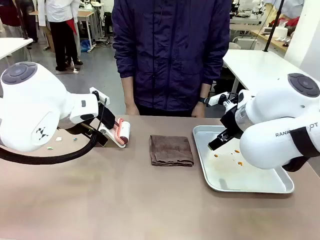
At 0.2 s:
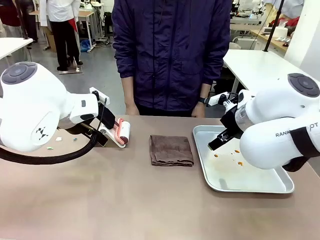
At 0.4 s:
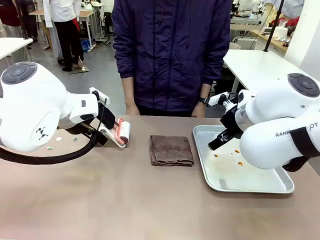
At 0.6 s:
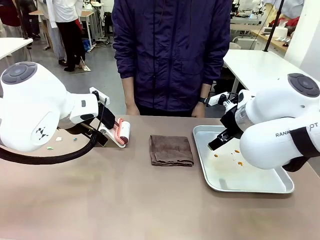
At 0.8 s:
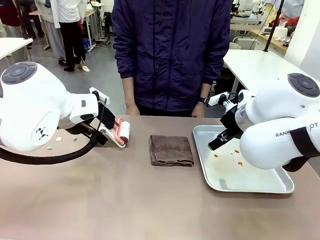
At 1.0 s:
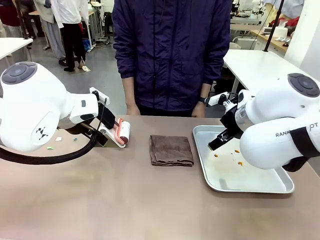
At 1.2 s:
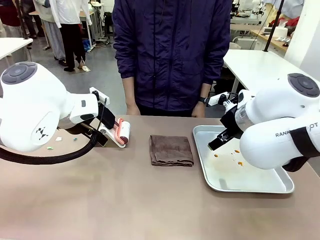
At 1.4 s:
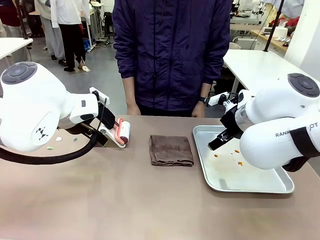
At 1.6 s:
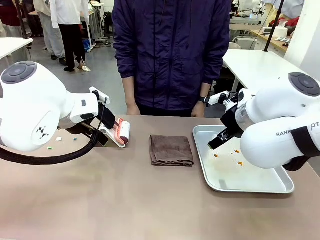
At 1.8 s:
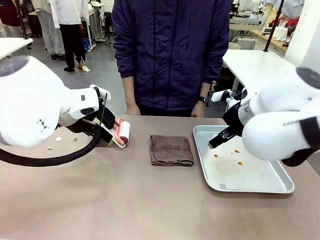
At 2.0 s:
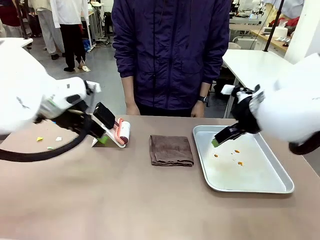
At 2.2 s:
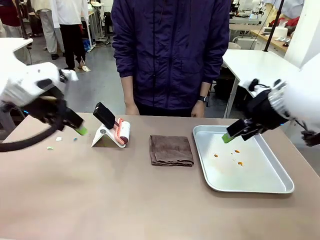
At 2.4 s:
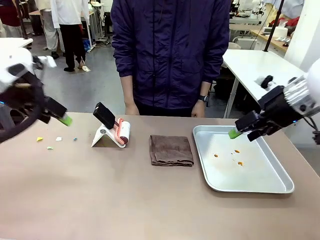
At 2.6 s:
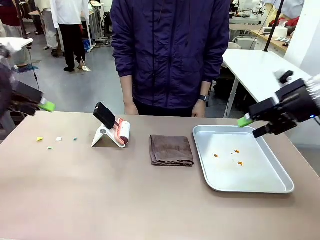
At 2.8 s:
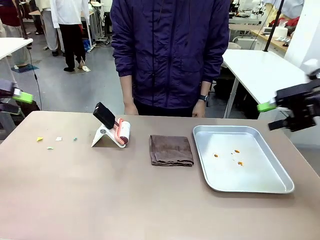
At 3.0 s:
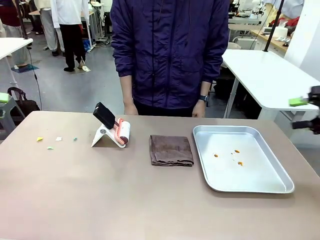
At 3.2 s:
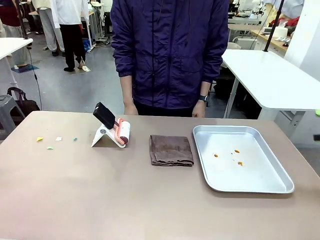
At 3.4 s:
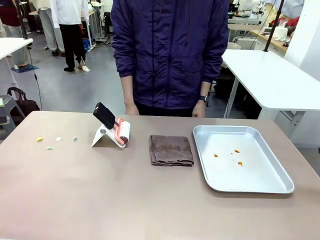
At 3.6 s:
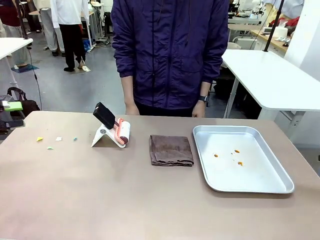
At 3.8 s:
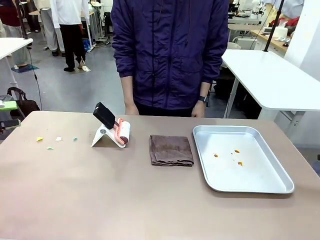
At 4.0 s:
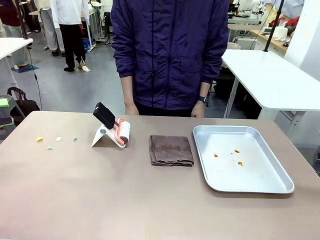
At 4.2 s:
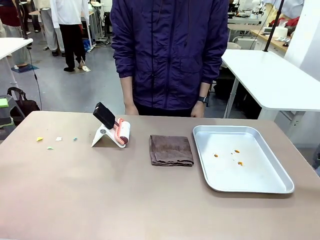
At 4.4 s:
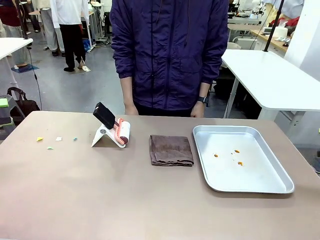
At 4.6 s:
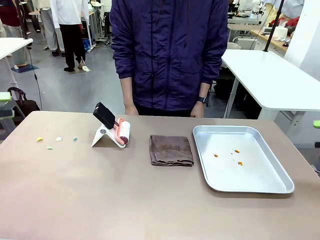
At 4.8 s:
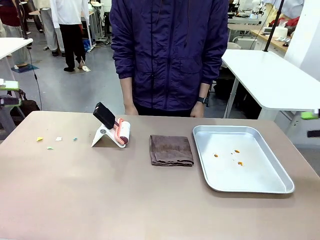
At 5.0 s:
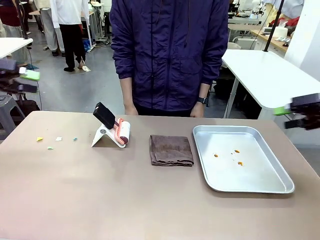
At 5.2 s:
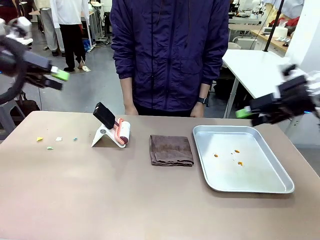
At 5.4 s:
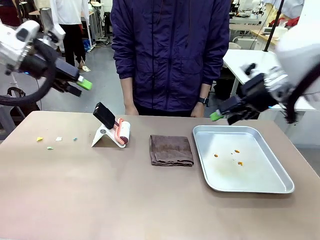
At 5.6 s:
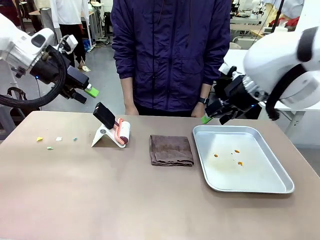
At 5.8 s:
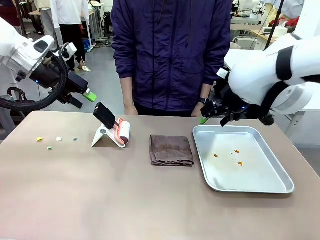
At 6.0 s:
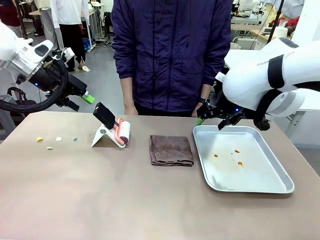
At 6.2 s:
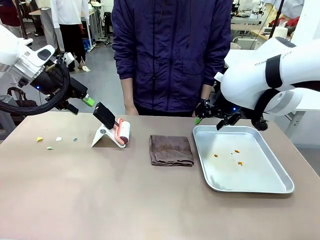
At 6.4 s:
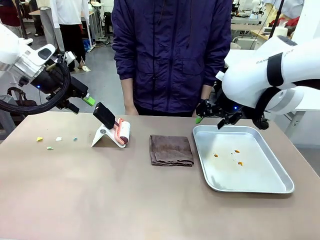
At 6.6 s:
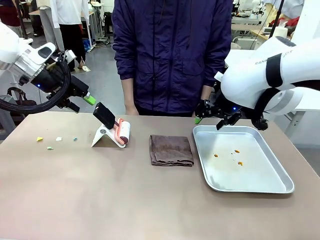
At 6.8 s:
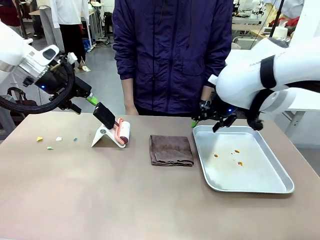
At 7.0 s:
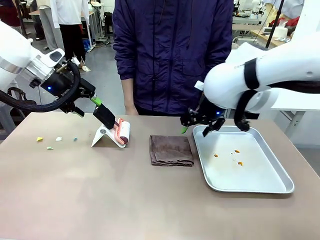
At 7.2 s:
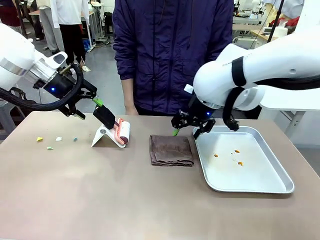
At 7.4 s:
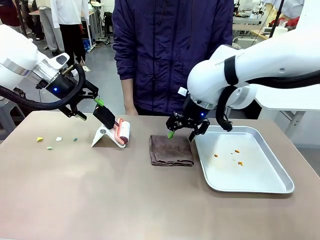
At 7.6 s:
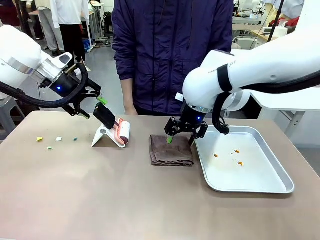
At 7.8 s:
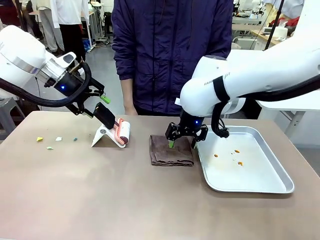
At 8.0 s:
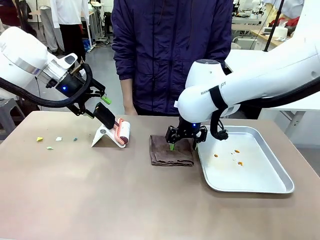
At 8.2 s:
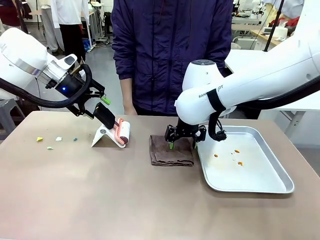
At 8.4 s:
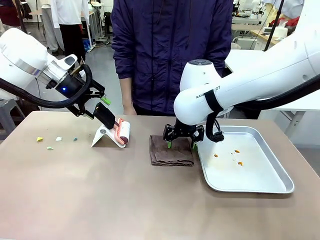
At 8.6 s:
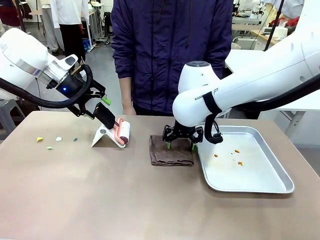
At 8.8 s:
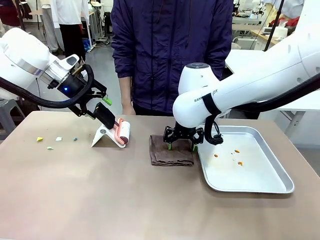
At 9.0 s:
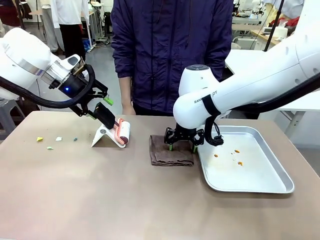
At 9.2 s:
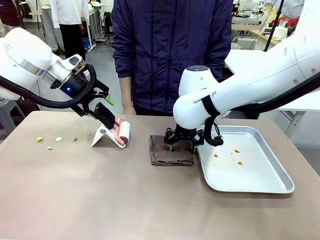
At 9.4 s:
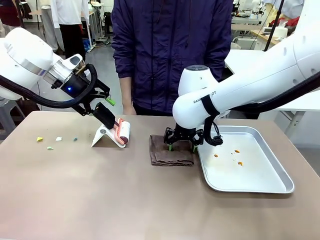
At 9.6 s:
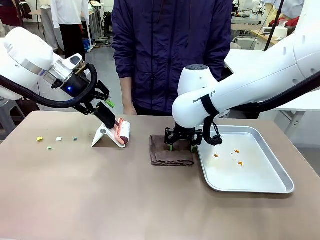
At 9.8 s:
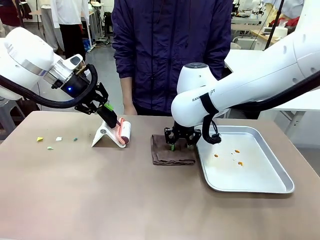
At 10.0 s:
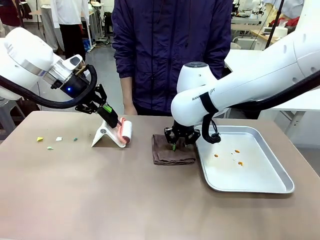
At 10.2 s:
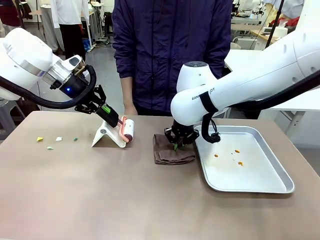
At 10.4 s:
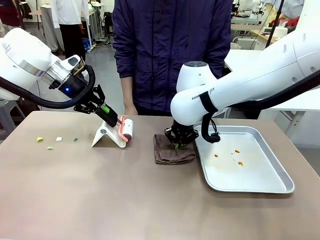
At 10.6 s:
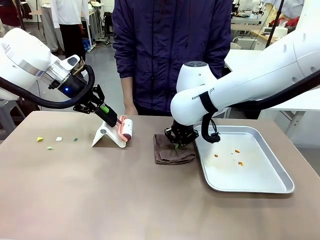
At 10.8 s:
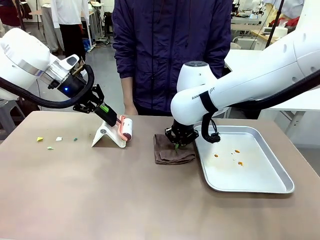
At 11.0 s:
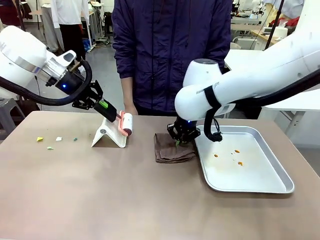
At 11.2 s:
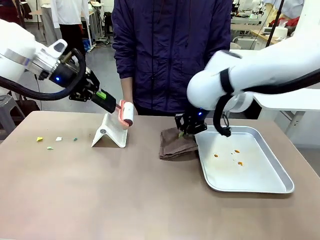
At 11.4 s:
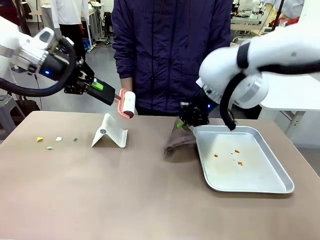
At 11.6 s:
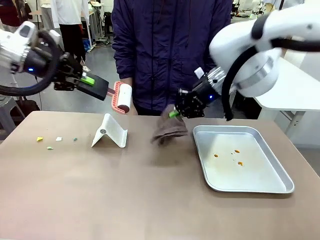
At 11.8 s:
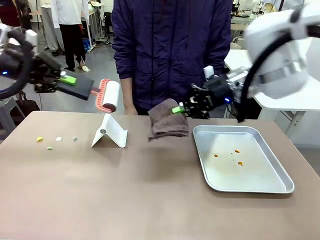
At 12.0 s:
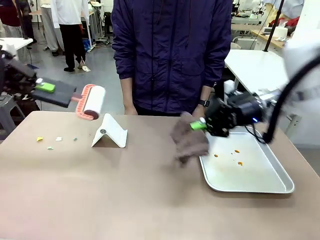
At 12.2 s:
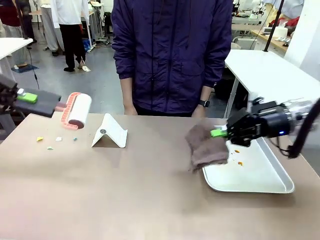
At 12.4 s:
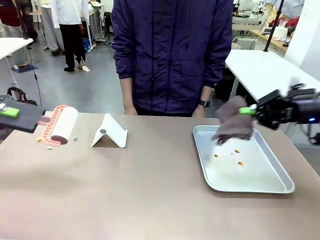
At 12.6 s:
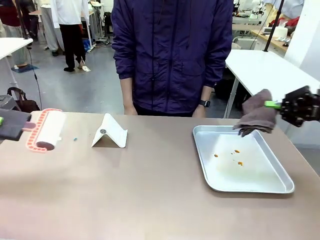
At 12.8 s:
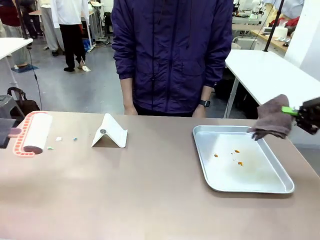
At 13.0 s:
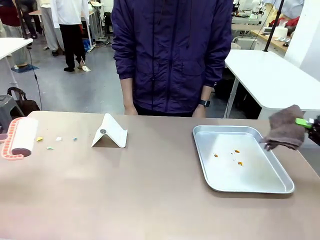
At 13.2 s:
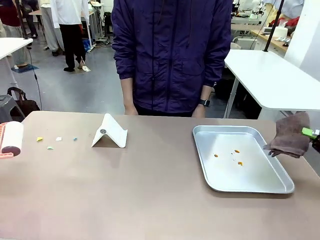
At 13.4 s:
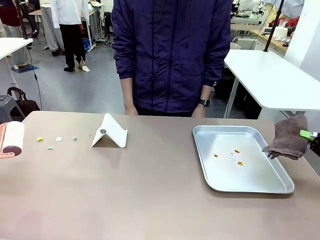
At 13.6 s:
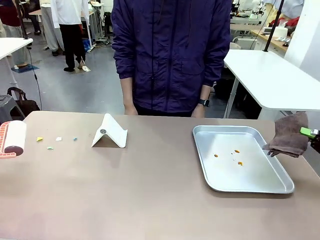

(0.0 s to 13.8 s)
Task: Clean the surface of the table.
Robot: Hold the Lint Roller with your left hand and the towel with your right hand.

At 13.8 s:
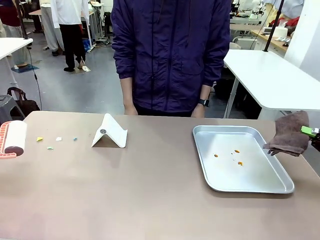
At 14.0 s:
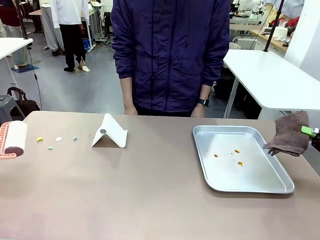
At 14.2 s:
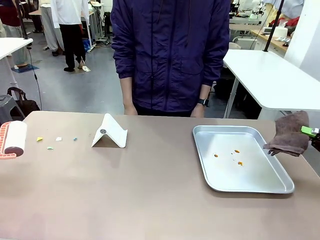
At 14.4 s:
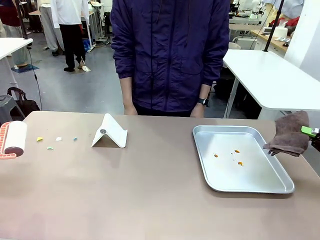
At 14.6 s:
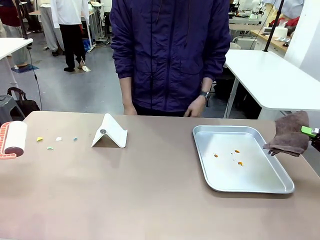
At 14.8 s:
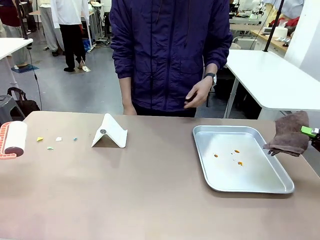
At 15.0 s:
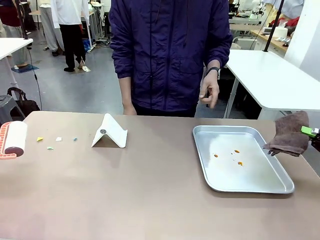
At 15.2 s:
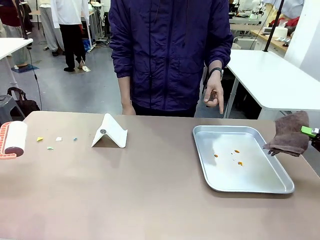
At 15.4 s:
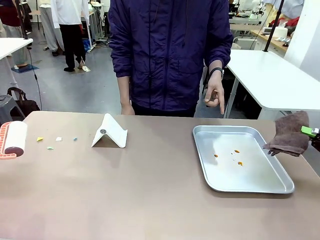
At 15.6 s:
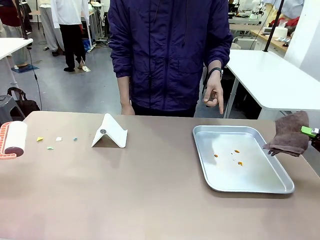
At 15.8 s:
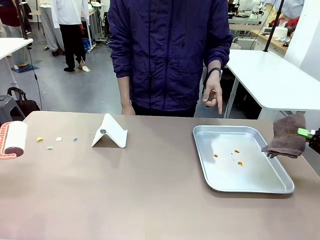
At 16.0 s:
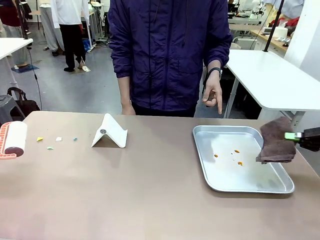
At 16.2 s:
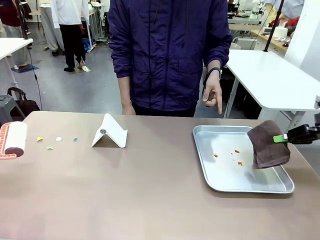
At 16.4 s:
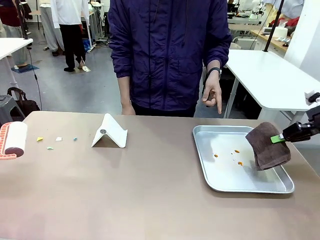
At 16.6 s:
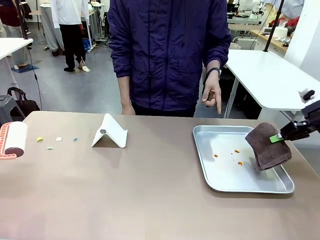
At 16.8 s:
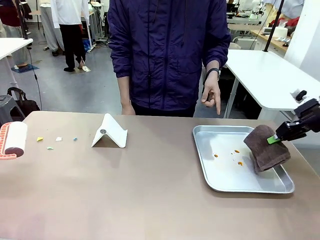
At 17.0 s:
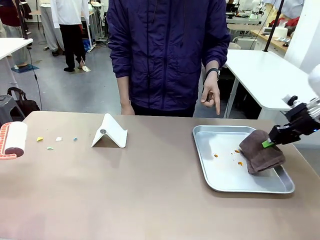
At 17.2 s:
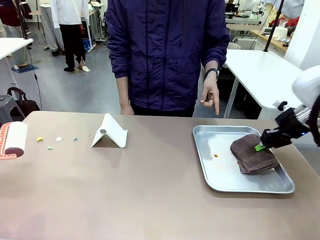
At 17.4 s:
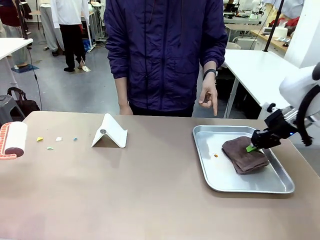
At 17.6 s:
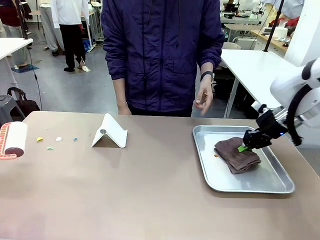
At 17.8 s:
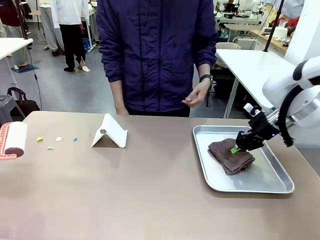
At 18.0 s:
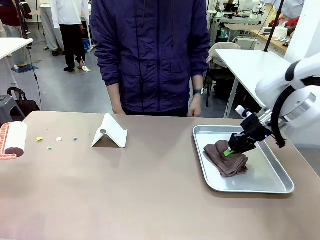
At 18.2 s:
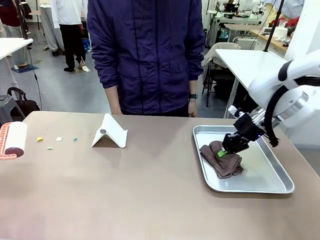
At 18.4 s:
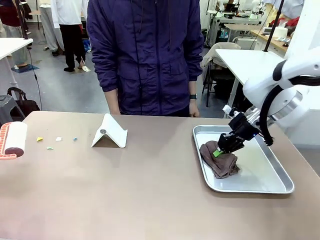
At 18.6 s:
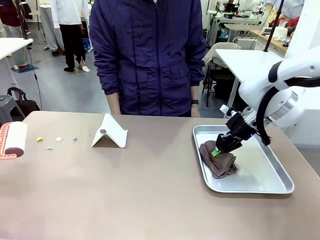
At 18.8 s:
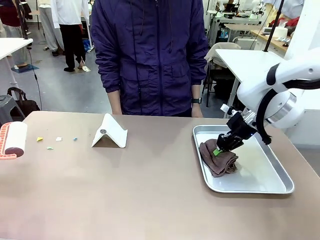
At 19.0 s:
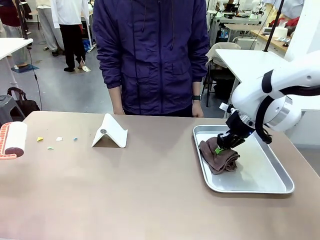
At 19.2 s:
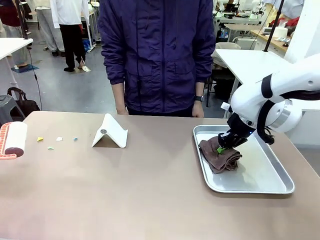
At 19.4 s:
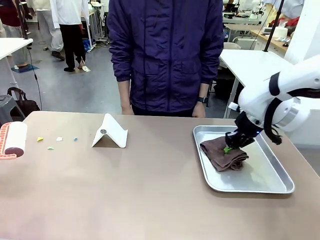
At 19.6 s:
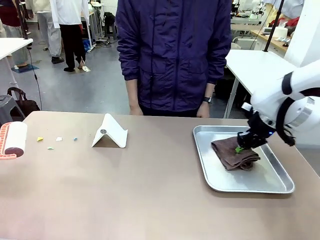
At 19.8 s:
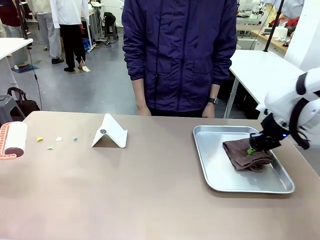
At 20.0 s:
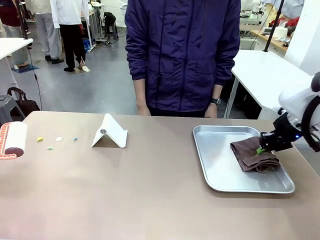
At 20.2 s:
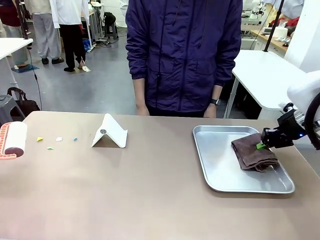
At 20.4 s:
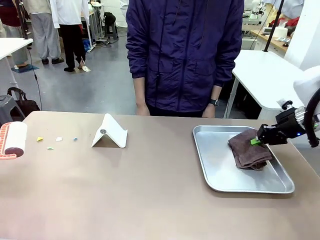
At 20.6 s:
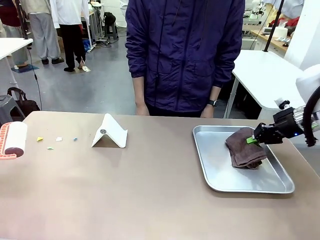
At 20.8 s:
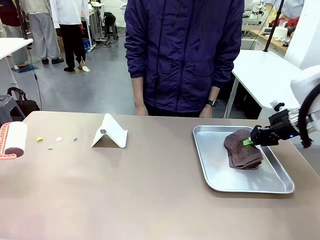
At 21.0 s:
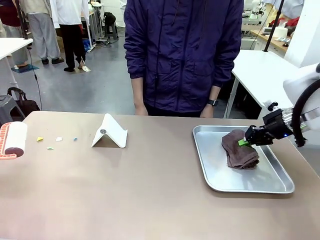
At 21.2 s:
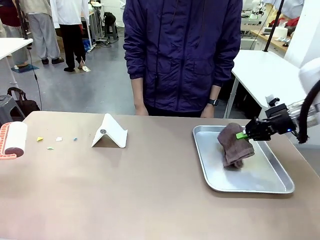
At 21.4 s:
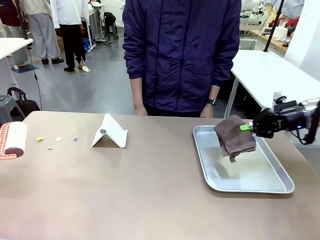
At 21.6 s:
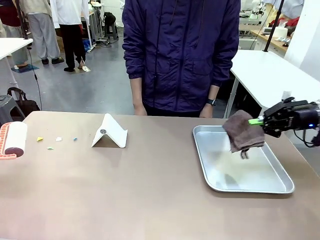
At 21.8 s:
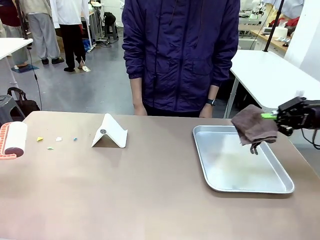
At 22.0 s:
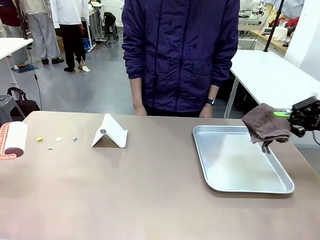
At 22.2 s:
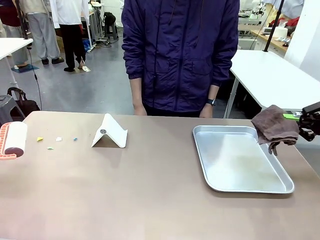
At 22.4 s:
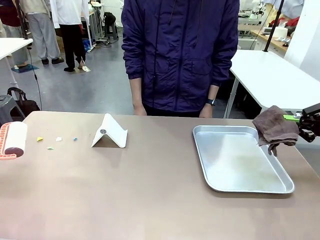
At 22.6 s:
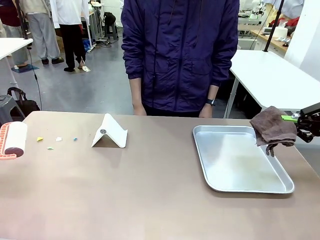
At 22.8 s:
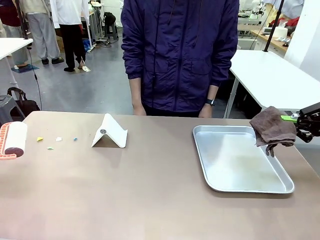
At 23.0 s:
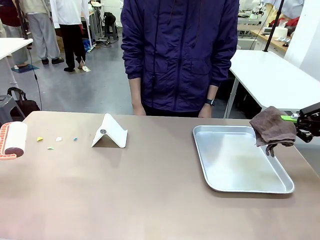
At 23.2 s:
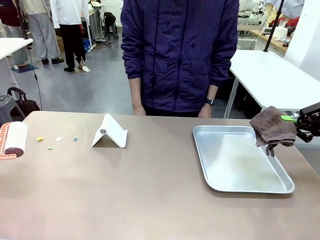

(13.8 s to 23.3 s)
Robot: If a person points to the right, clean the right side of the table with your right hand, and if they point to the left, clean the left side with your left hand.
